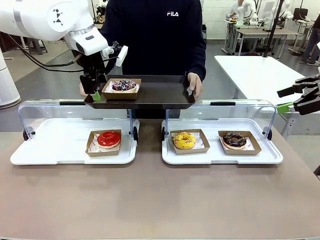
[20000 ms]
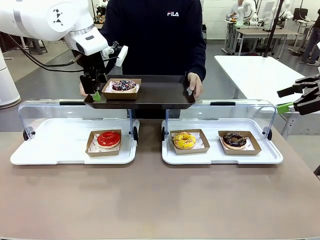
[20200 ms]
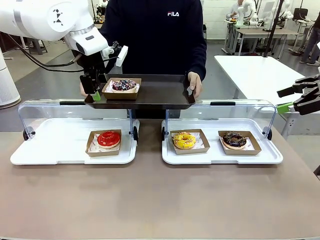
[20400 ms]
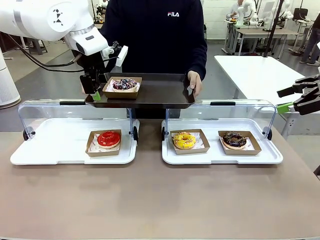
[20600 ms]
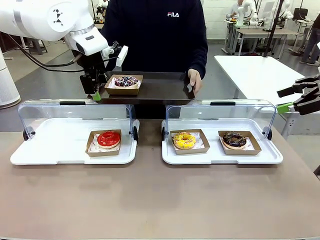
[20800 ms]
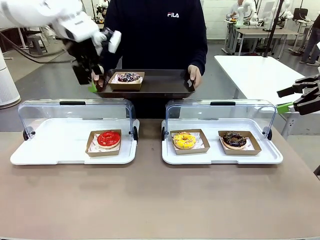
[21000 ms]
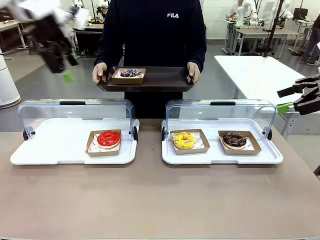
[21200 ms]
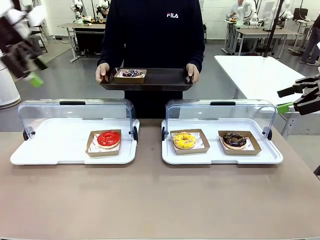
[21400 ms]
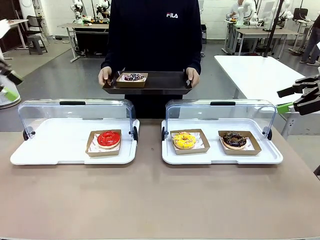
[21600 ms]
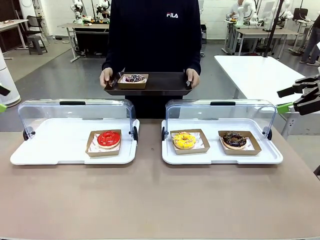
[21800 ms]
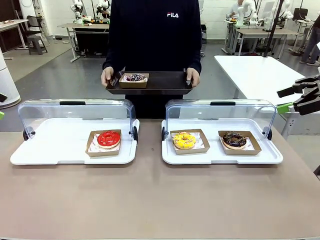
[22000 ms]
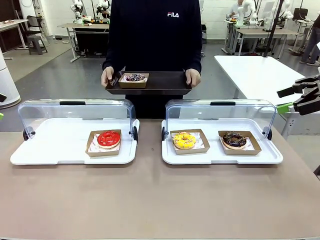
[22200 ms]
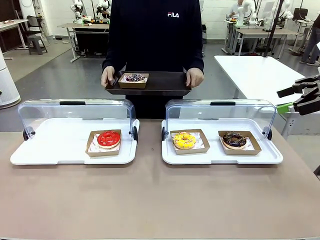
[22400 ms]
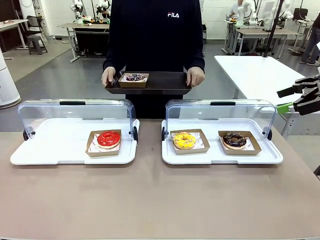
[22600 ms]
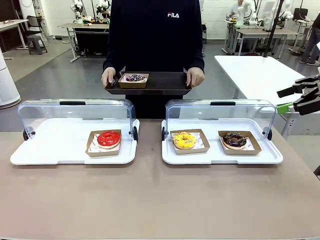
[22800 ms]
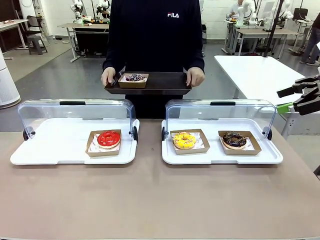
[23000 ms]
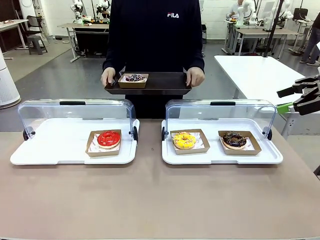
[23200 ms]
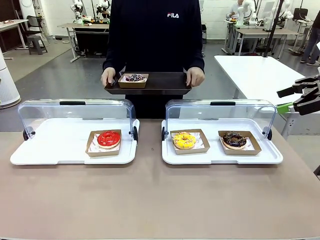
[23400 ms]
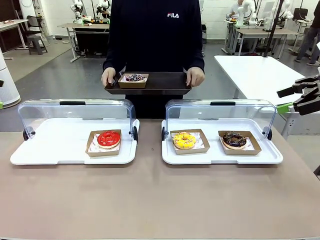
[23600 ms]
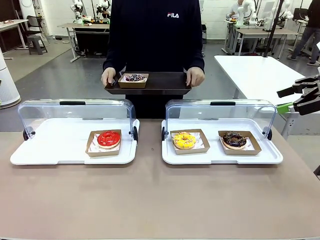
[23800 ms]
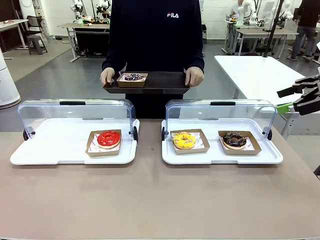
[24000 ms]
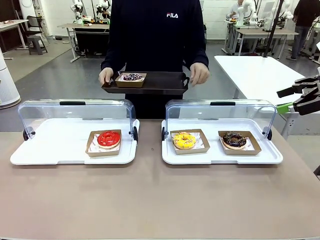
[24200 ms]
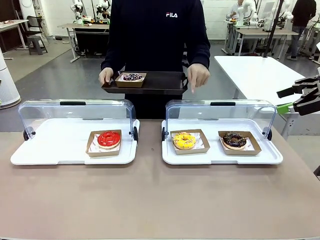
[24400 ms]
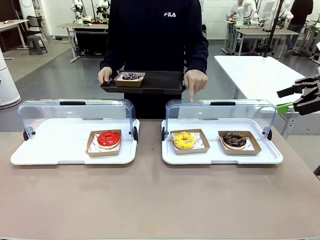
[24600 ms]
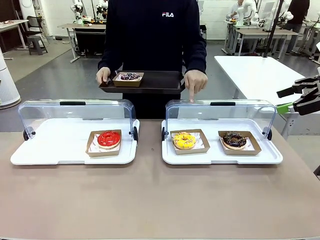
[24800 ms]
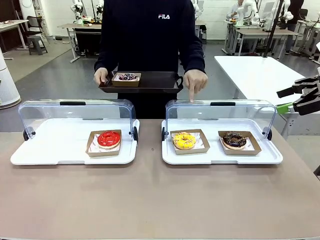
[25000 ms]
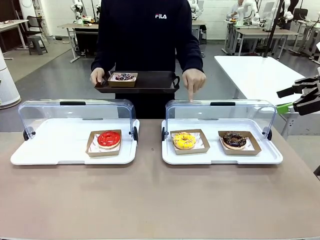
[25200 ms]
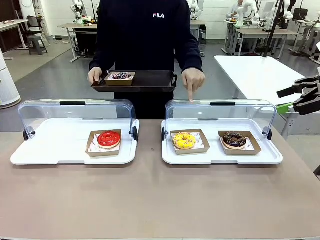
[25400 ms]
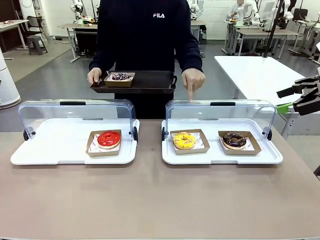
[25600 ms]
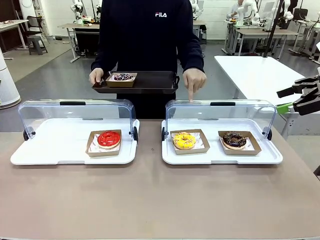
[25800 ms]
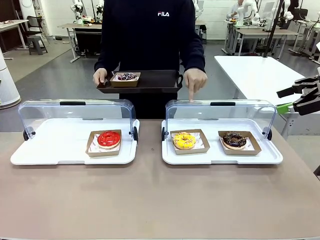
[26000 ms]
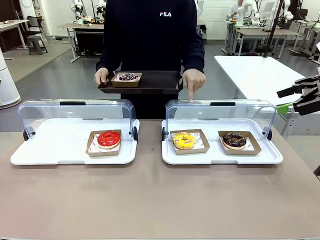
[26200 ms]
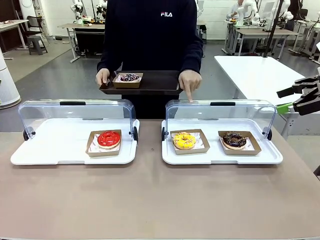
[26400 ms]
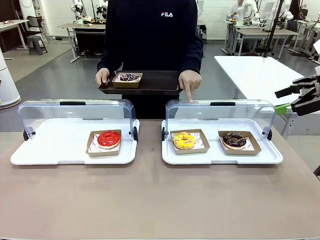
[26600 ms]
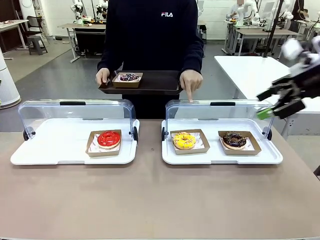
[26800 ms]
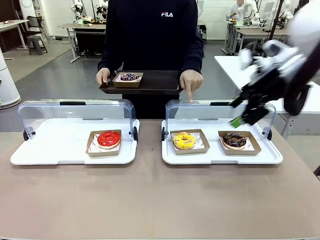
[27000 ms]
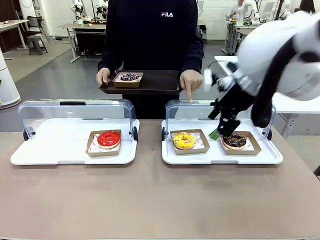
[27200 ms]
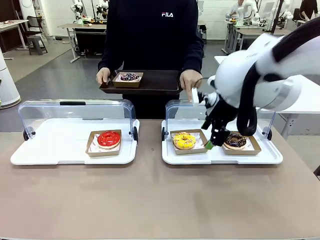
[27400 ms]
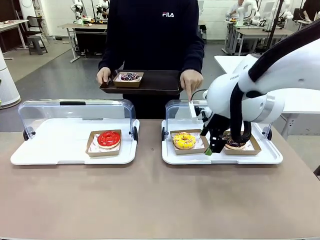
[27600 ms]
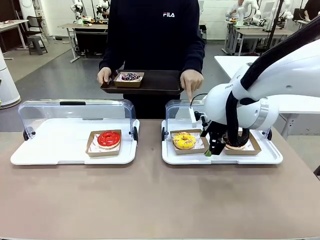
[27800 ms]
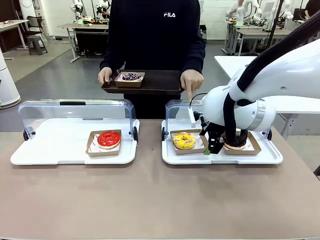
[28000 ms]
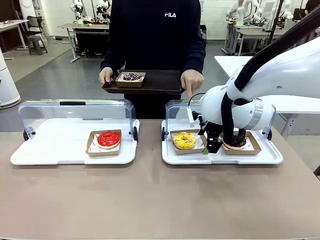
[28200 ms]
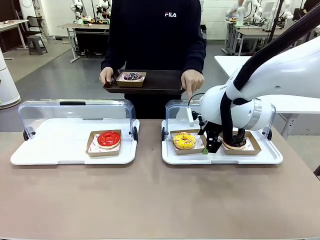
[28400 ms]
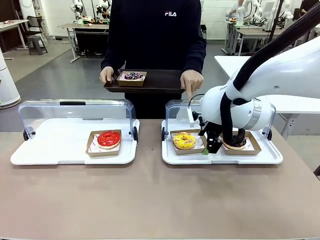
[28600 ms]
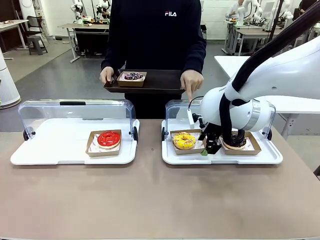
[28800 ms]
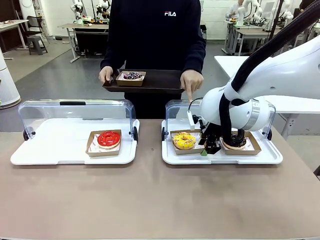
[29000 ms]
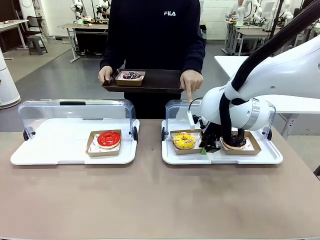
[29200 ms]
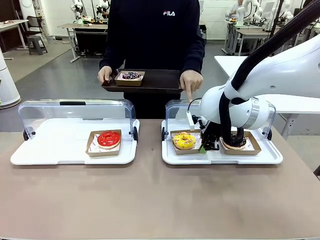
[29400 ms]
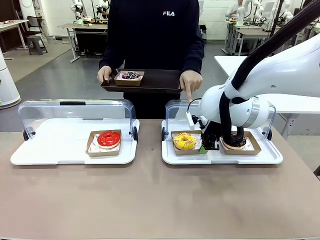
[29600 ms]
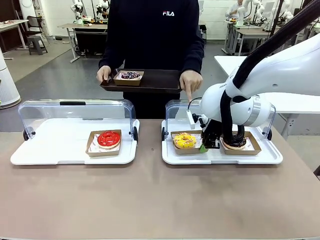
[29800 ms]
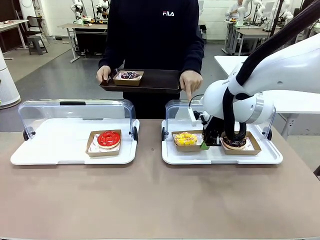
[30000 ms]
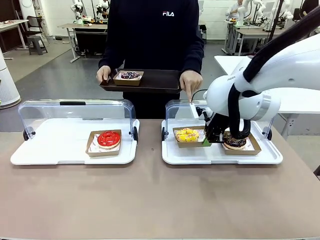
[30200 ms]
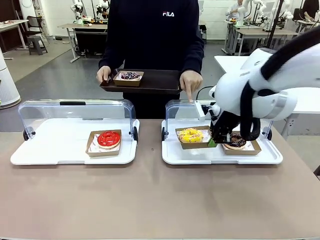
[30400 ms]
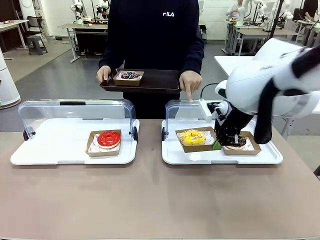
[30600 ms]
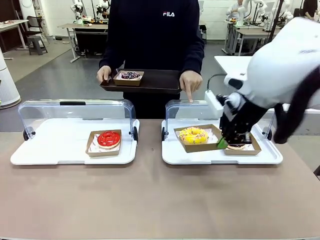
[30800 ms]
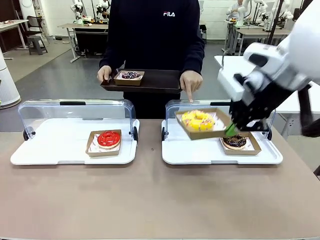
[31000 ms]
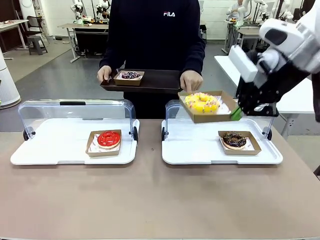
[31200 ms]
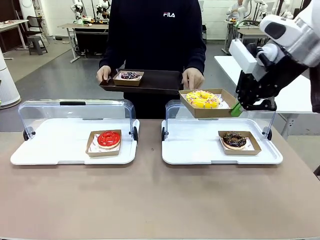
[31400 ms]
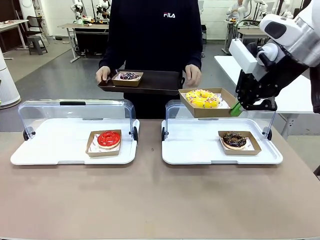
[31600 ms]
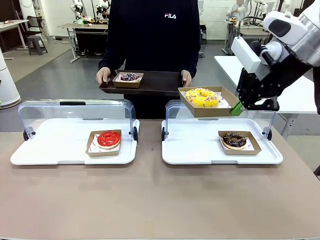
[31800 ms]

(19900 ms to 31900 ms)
Task: Provide the desired donut to the person.
Robot: Pick up and lift the Paper togo box containing the Donut pointed at by the person.
Person: Point to one donut. Lift the tray onto the Roll-Top Bakery Case.

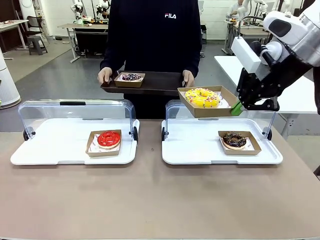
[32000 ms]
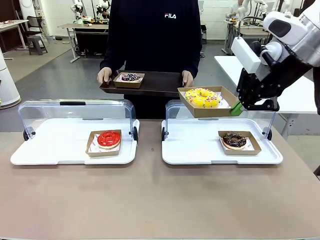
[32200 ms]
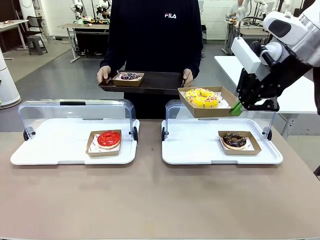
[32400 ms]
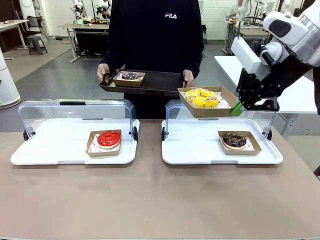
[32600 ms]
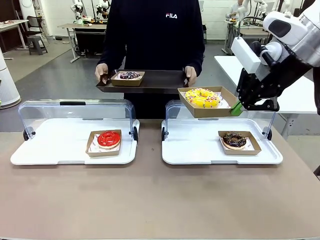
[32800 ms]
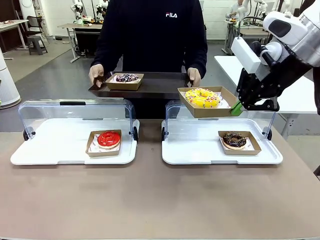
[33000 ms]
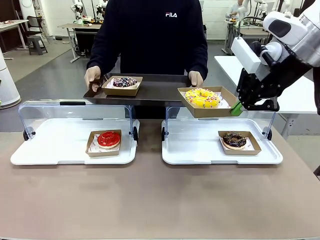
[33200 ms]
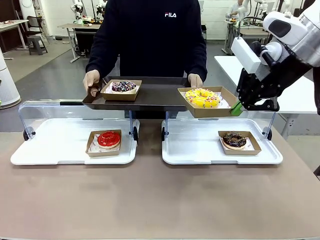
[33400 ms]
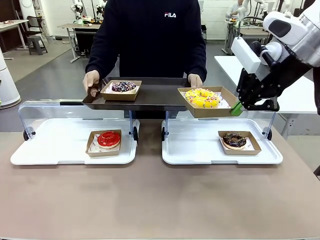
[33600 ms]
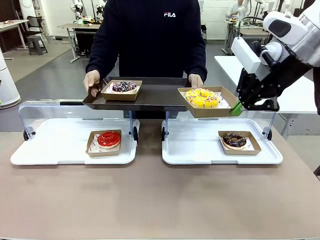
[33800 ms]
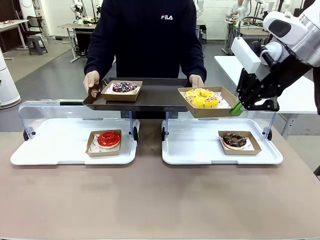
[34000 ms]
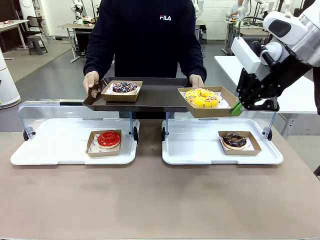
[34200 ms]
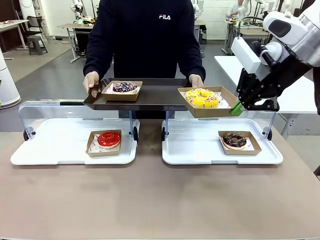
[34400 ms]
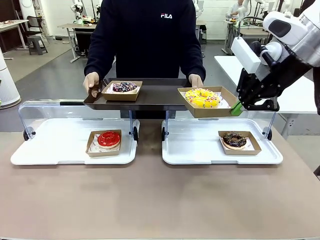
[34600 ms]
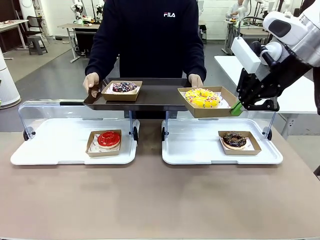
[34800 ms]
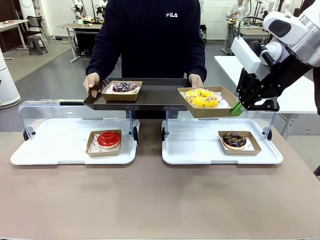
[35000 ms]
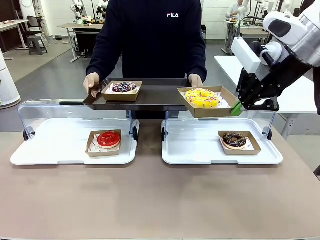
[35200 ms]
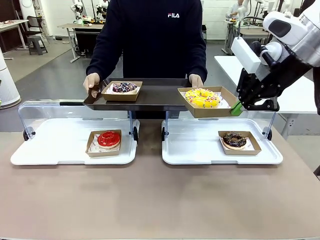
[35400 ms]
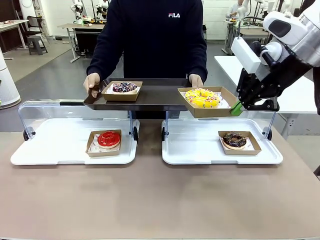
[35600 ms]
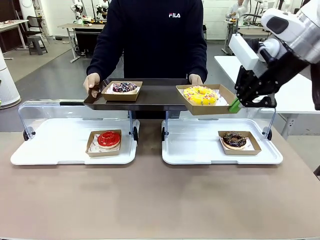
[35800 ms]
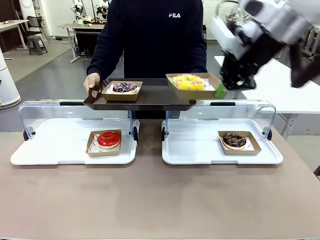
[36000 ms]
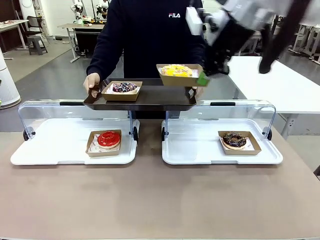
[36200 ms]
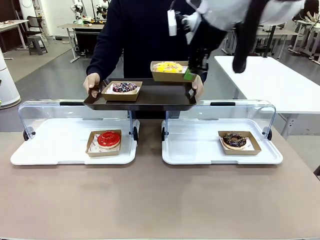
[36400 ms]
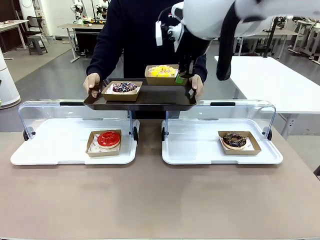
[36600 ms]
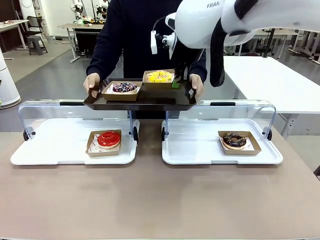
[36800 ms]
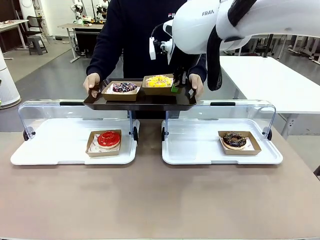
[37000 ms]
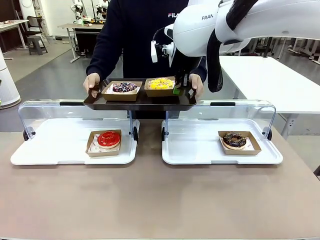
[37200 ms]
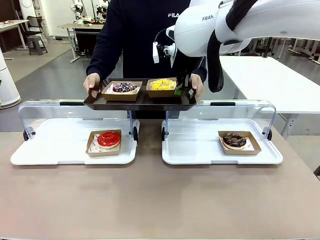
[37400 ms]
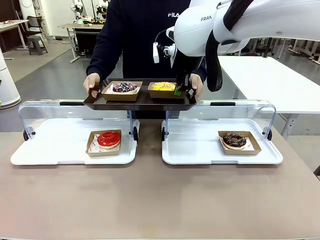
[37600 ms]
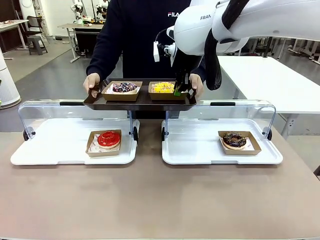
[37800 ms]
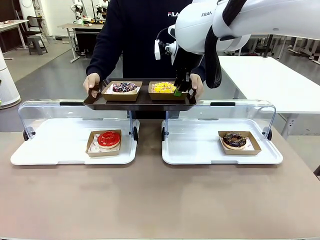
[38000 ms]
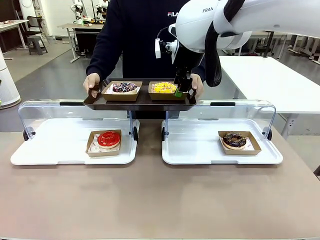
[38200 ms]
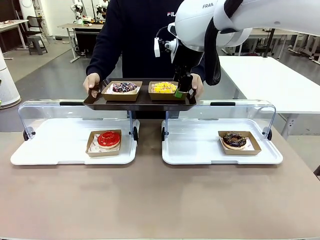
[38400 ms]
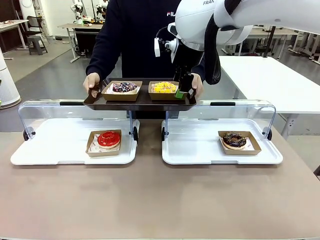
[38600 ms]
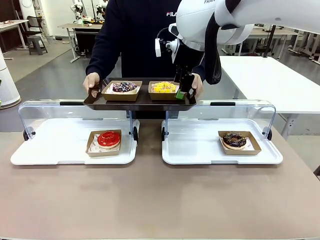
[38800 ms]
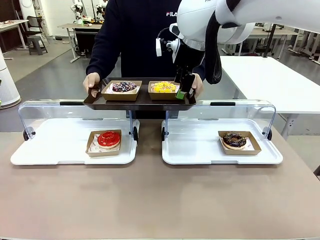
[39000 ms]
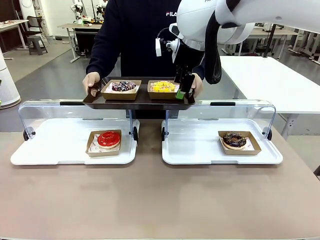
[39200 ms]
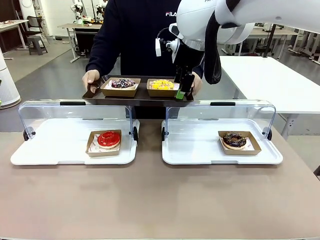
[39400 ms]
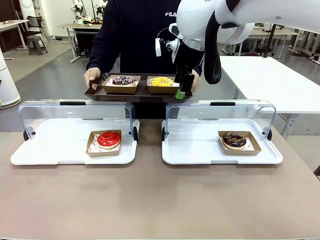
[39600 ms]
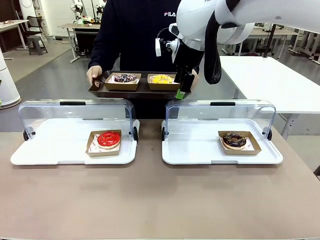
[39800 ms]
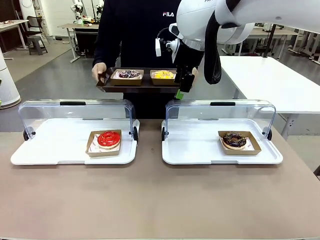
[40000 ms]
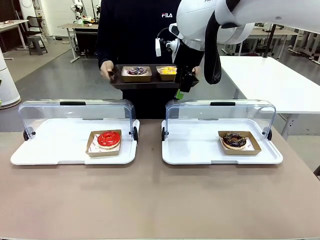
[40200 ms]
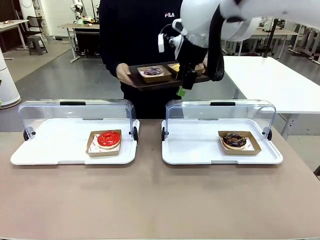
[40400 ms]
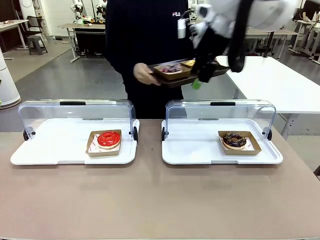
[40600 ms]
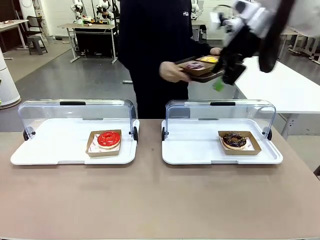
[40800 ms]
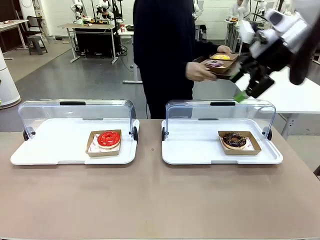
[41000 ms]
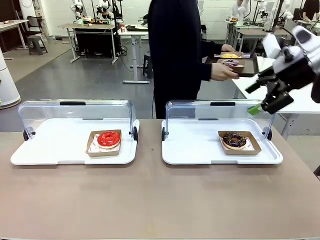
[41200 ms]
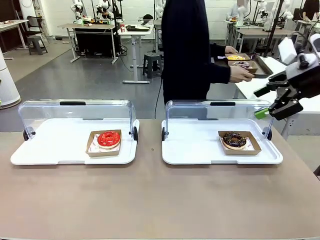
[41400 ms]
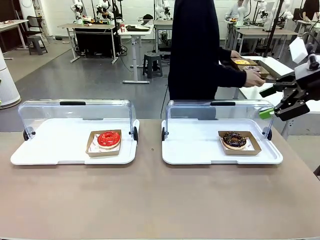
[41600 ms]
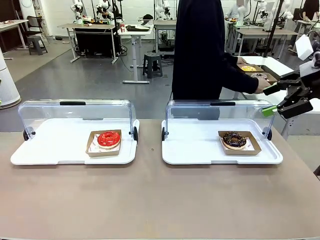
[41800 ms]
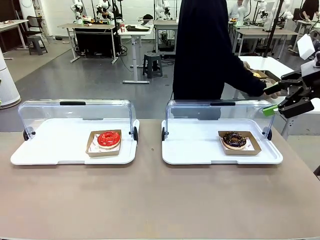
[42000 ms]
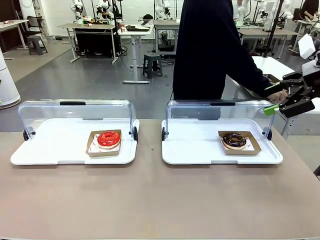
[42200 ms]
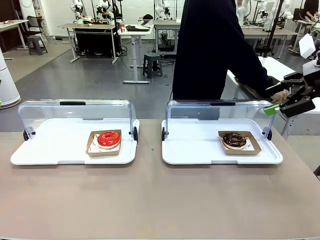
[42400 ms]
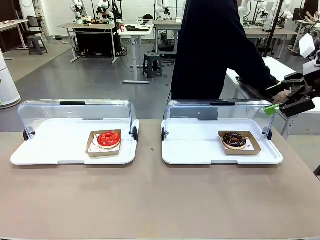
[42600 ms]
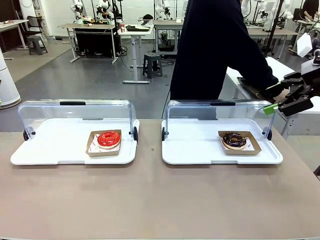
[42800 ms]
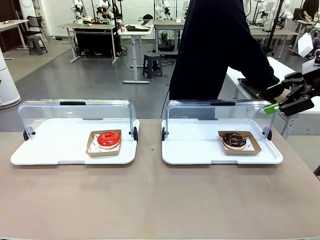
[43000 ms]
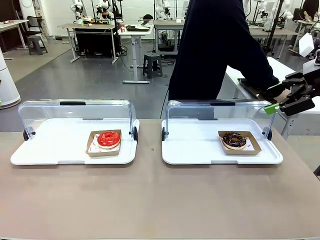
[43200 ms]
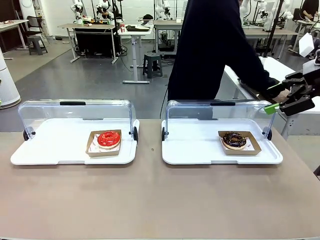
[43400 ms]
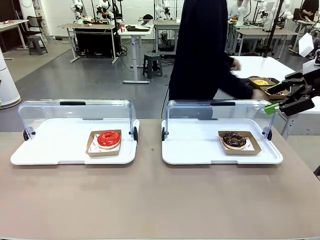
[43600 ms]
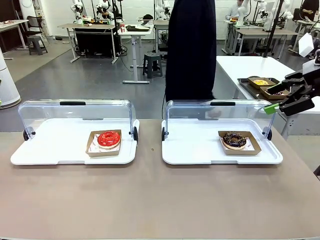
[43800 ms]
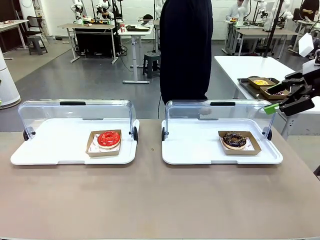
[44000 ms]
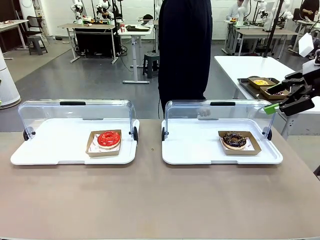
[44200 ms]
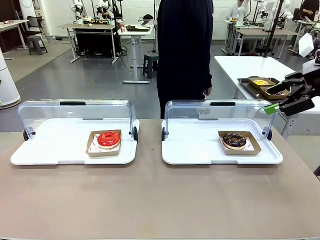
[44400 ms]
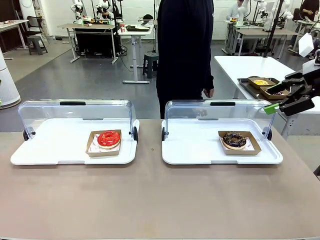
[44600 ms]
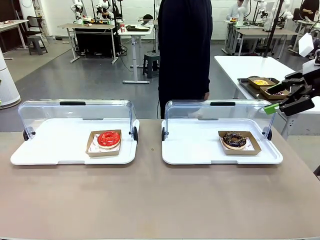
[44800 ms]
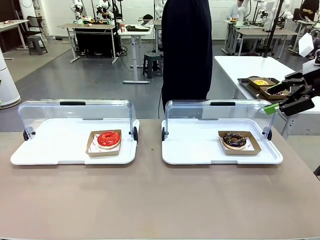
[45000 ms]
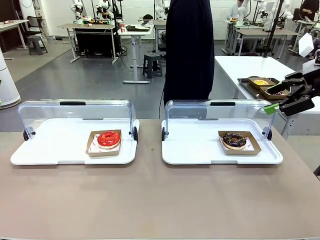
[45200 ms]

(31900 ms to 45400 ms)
Robot: Place the picked Paper togo box onto the Handle tray extended by the person.
Person: Place the tray in the middle of the human table.
